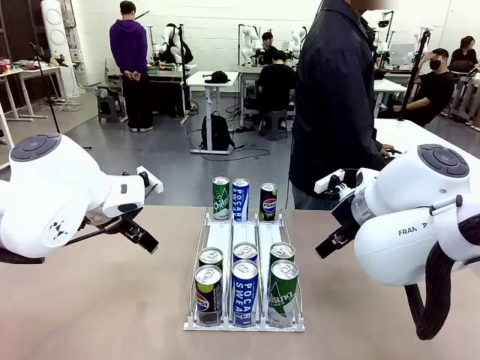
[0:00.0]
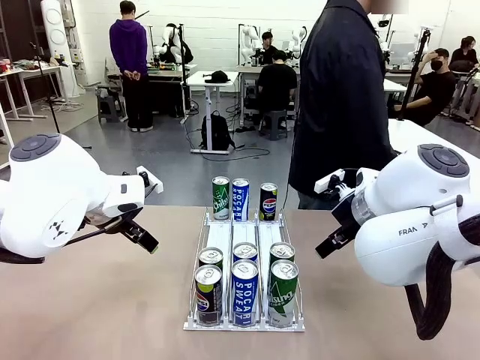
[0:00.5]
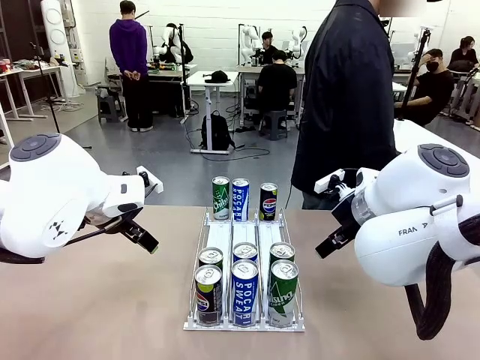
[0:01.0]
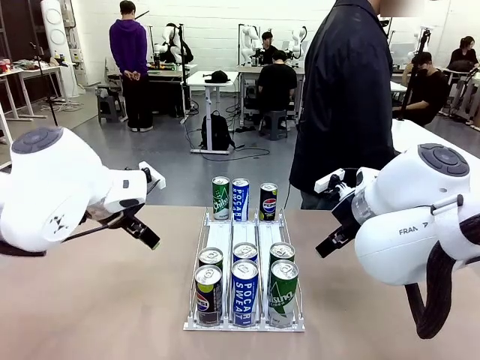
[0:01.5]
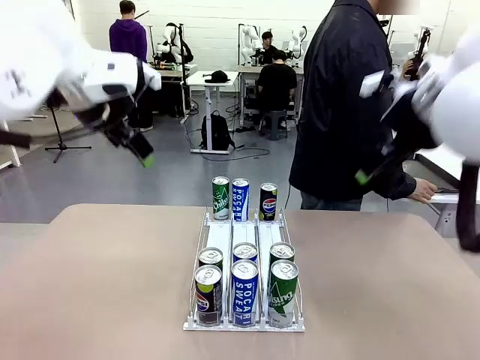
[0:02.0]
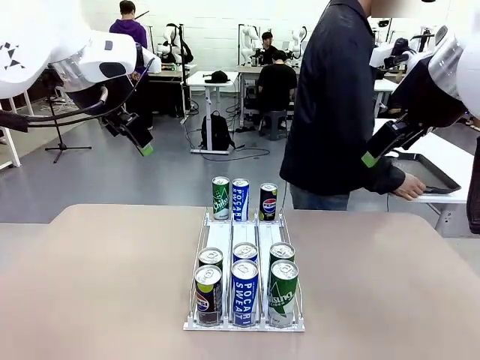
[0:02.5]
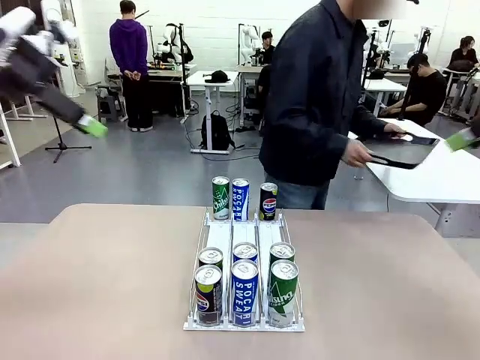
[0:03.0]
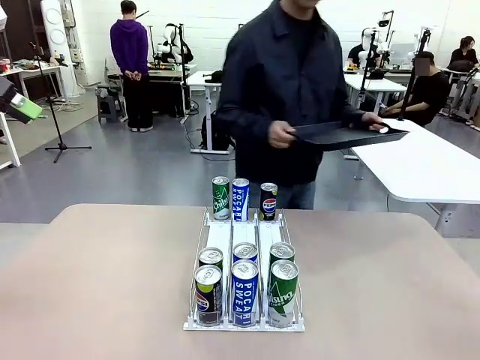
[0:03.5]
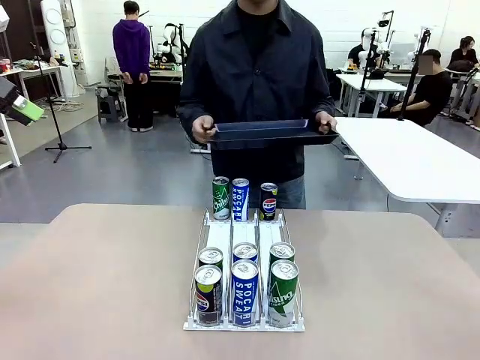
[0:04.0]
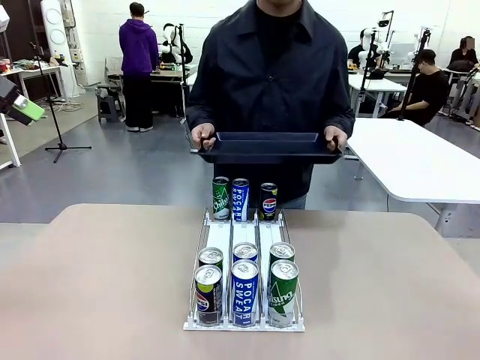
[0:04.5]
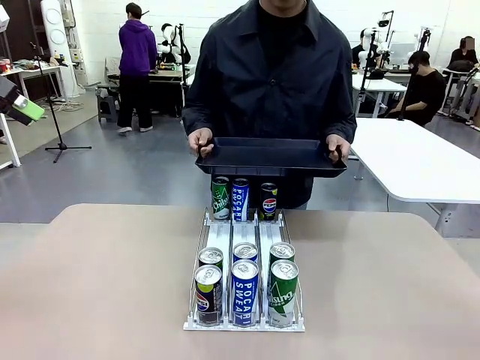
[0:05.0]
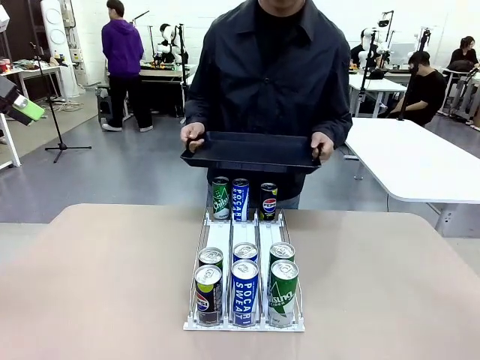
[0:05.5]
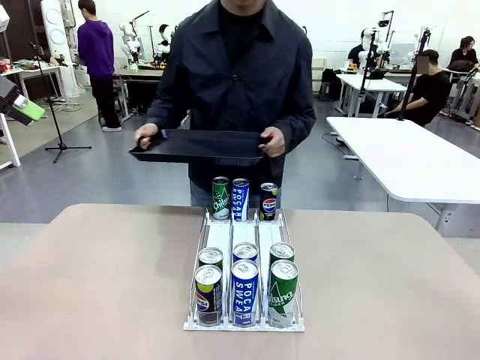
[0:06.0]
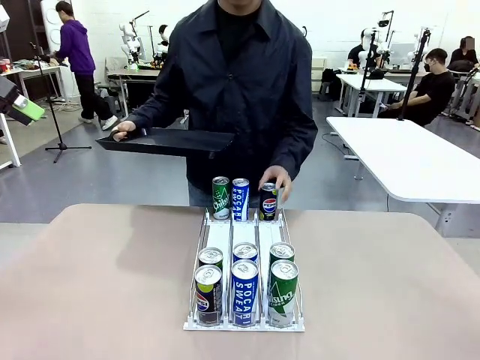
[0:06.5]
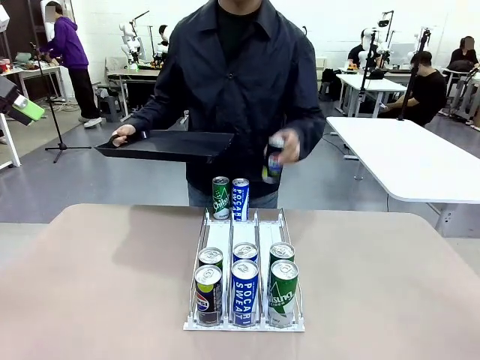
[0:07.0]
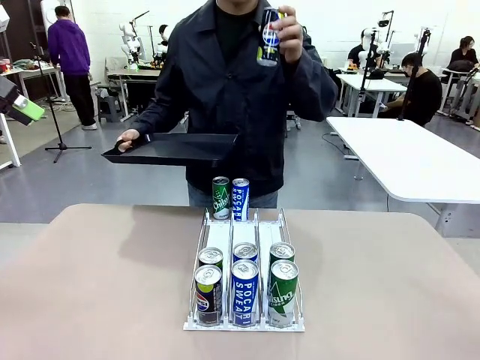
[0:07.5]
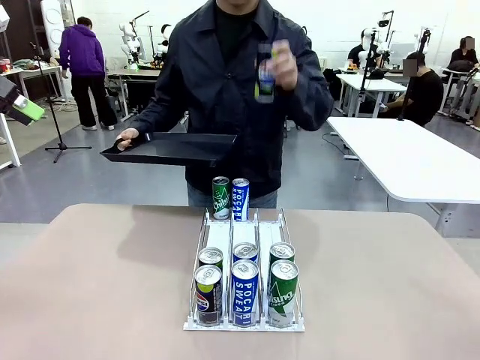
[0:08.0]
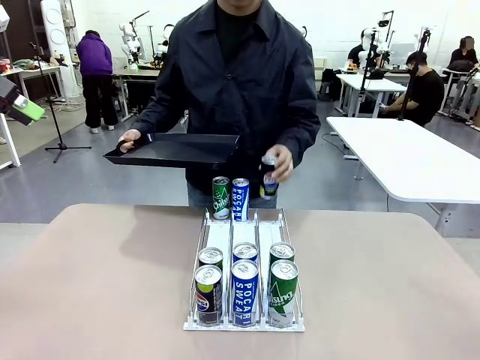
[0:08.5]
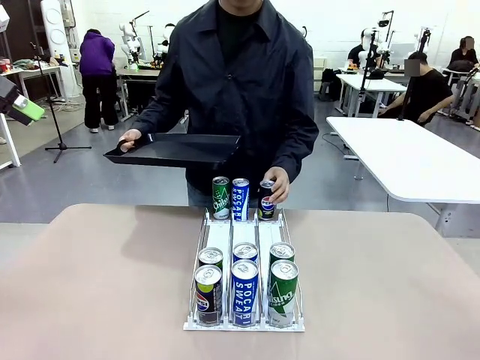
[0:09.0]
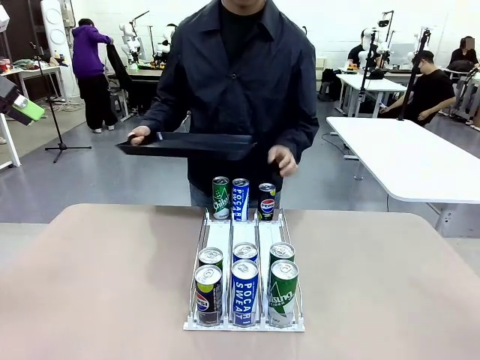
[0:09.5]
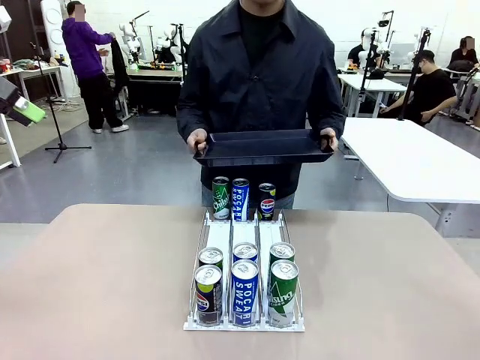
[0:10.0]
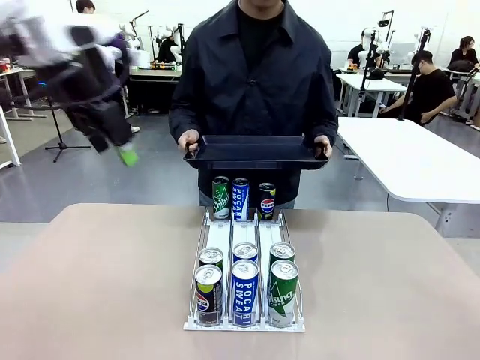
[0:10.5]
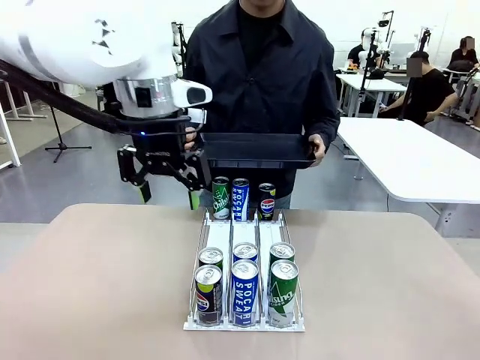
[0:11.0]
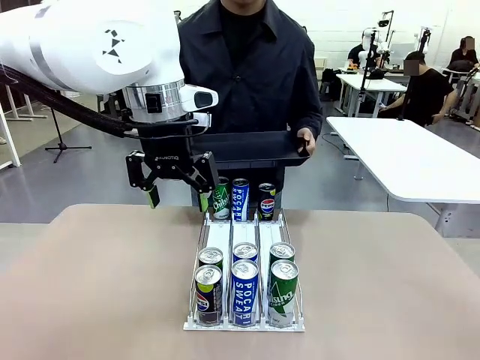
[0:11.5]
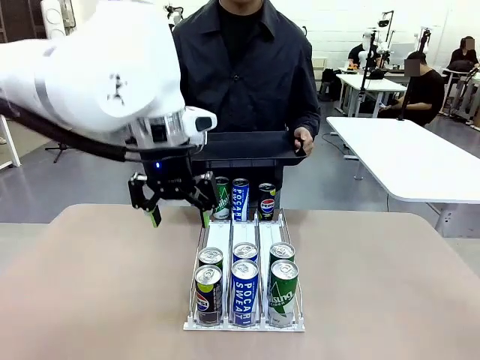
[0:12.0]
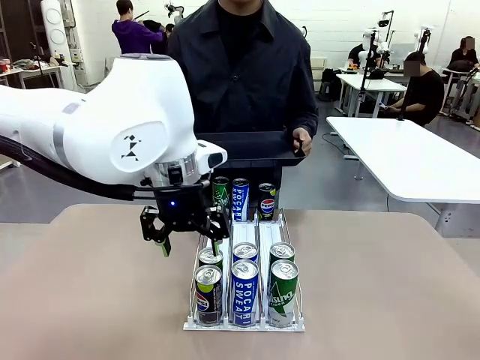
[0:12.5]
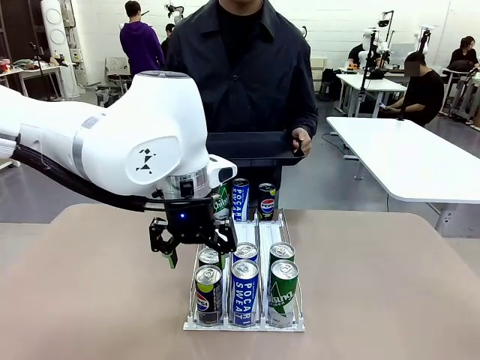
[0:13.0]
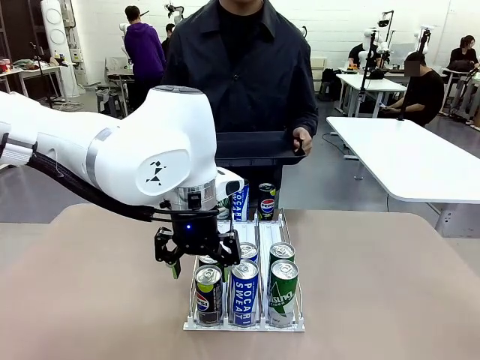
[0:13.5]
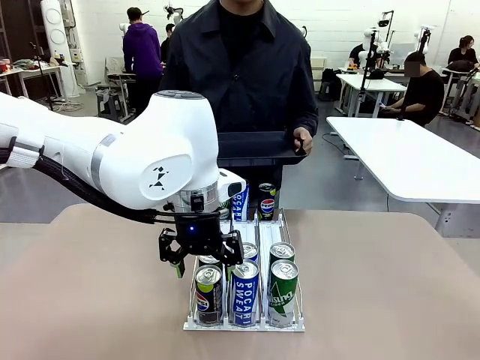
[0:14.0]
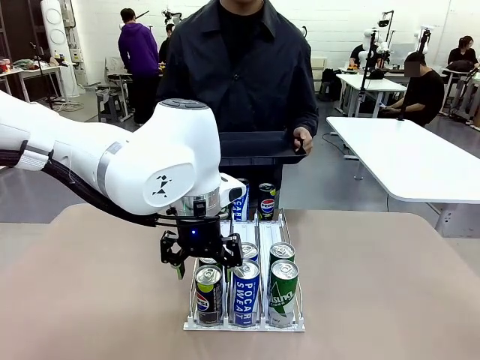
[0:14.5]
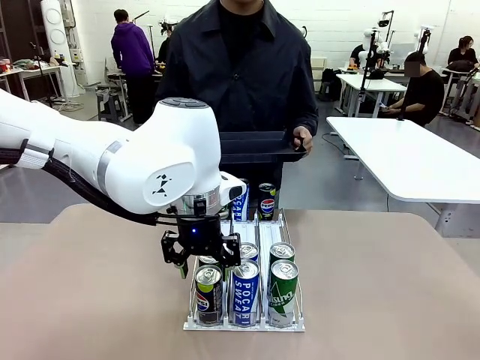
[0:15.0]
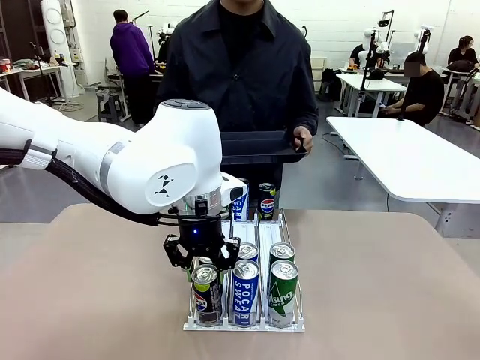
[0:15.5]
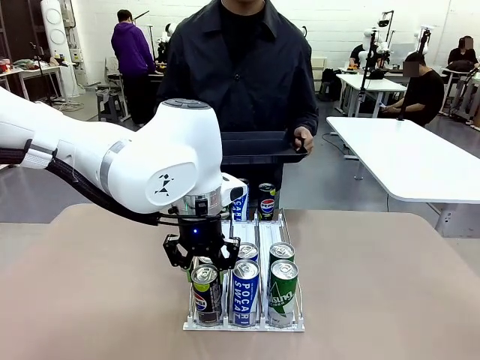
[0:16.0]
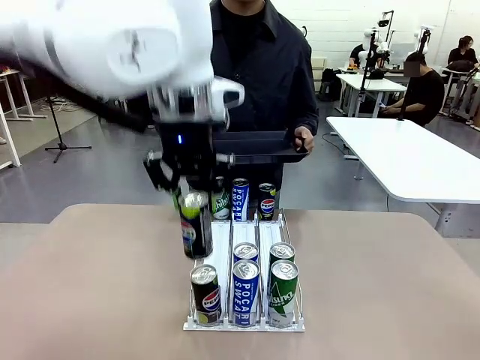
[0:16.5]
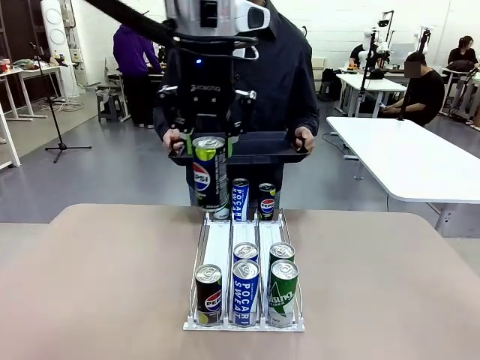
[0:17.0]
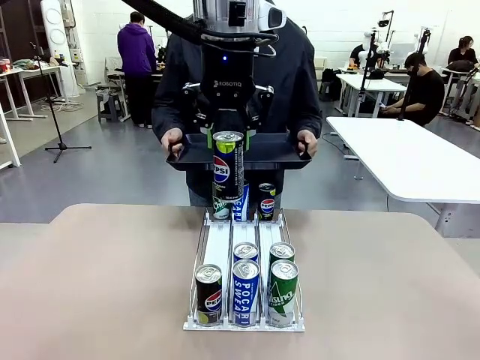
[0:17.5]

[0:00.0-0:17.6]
Task: Retrieve and hand over the desired beverage to the person.
Robot: Pick up a can of the same type that the person held from the Automatic Can Dispenser.
Person: Hold the tray and position yourself in front of the robot table. Pick up one can from the bottom area of the table and puts it back in its original place. Push the tray toward the robot.

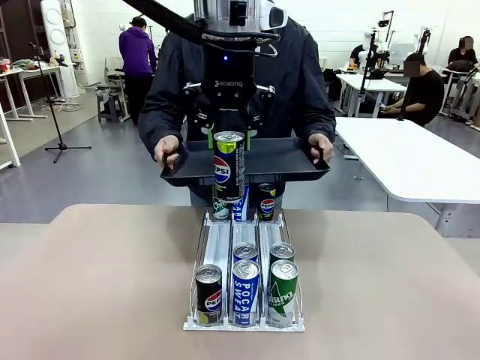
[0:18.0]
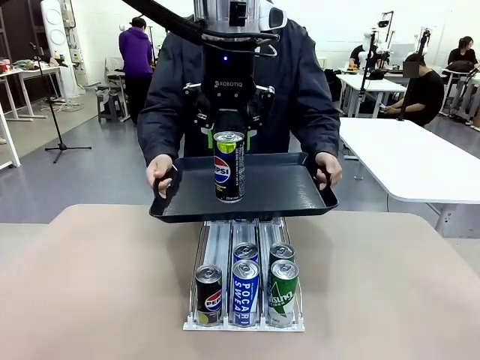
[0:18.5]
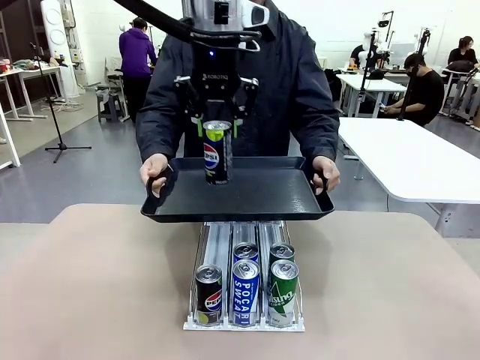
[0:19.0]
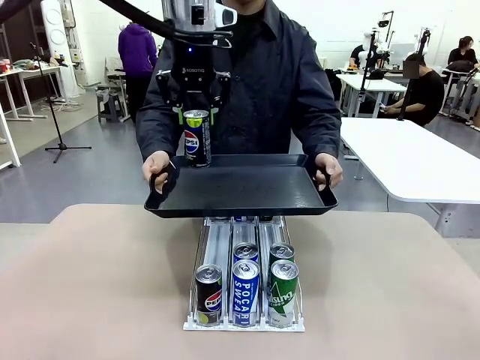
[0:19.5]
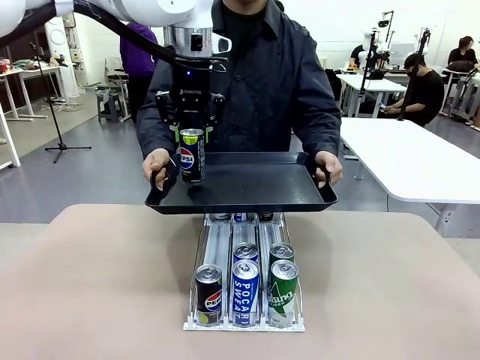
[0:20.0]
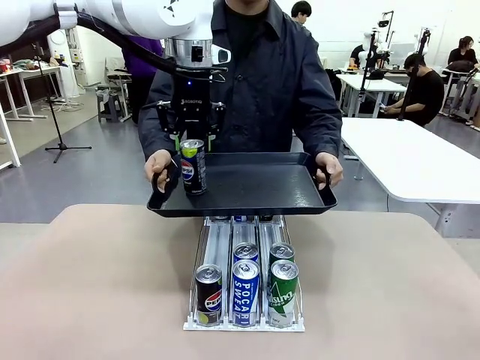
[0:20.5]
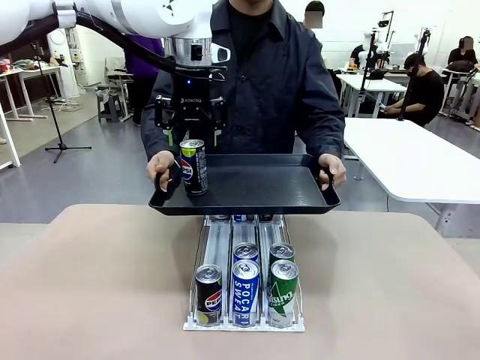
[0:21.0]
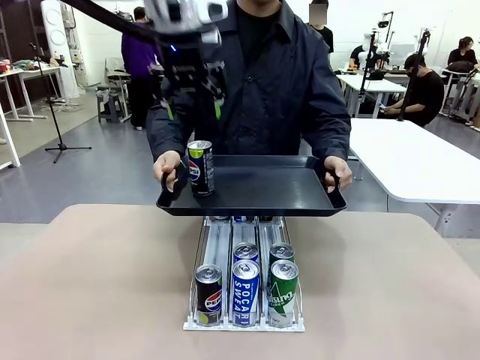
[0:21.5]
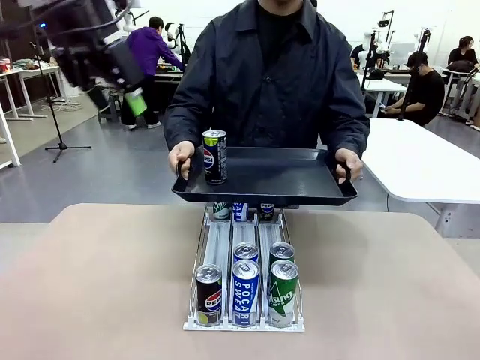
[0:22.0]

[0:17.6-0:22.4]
Robot: Place the picked can on the Handle tray extended by the person.

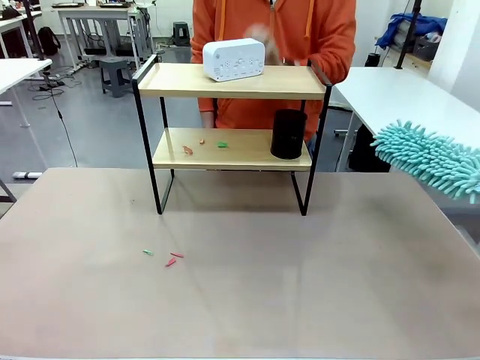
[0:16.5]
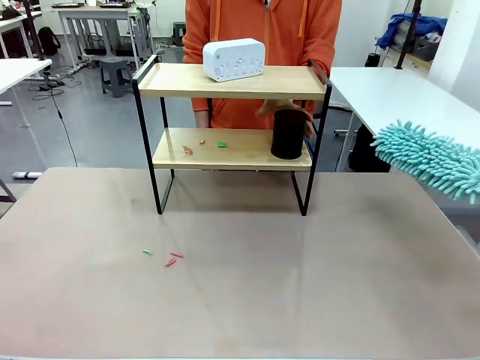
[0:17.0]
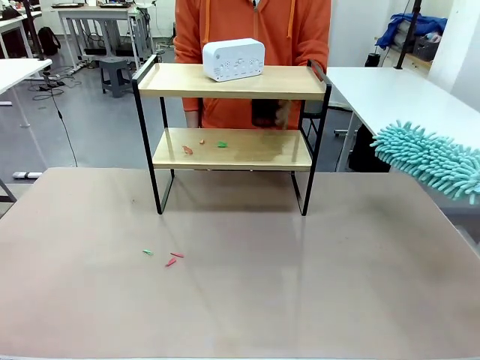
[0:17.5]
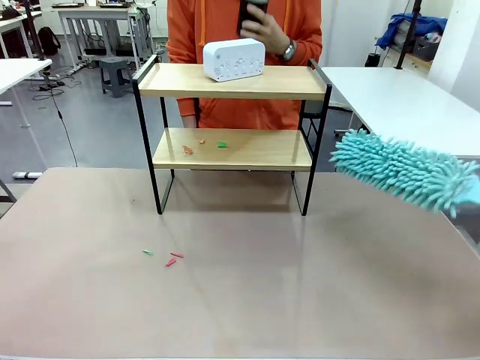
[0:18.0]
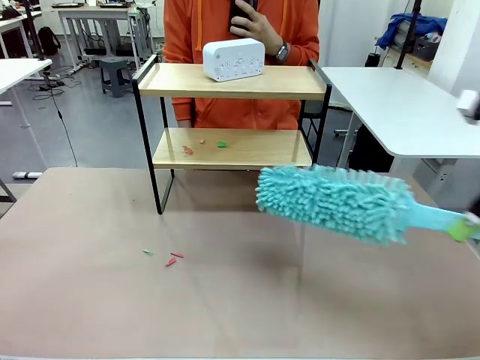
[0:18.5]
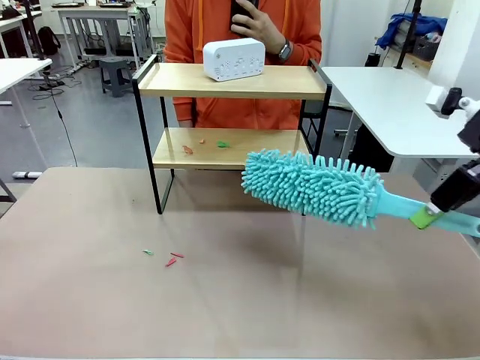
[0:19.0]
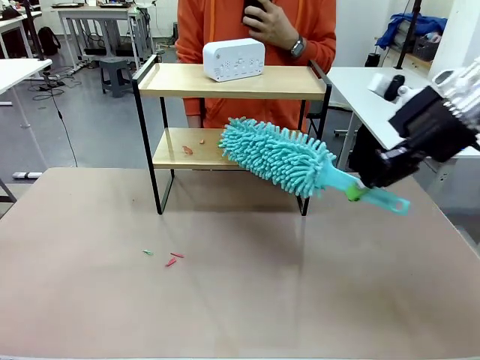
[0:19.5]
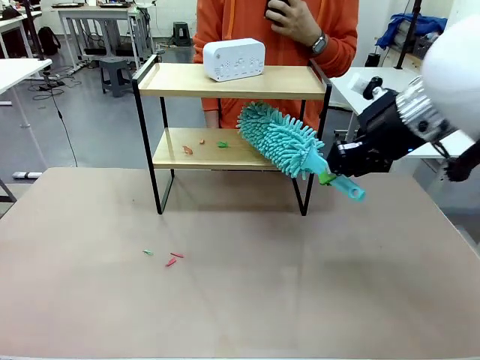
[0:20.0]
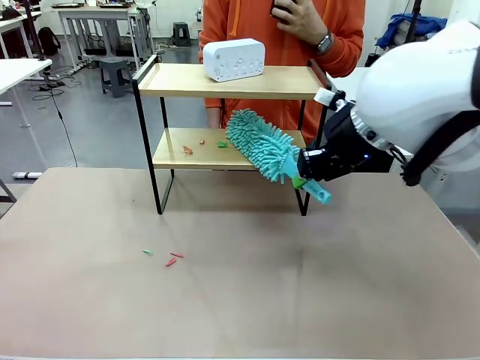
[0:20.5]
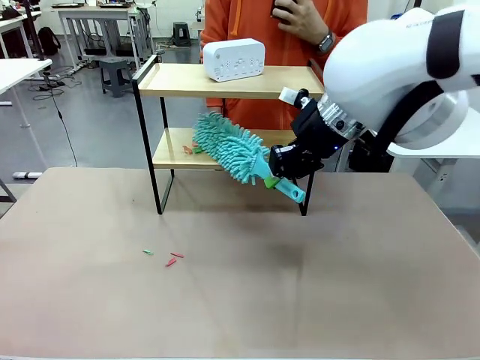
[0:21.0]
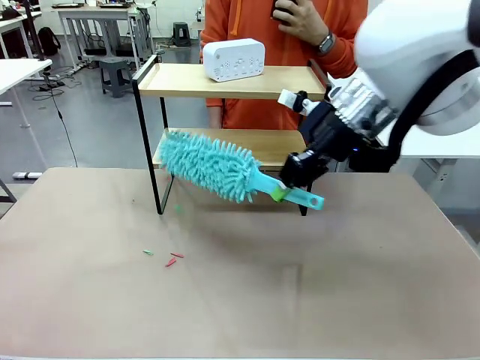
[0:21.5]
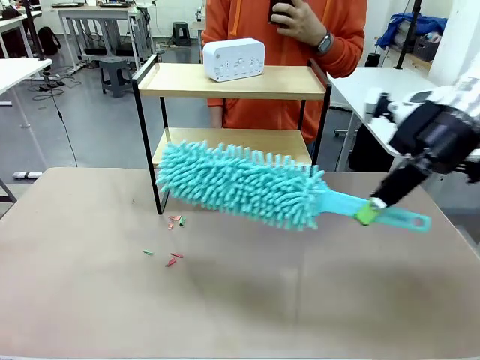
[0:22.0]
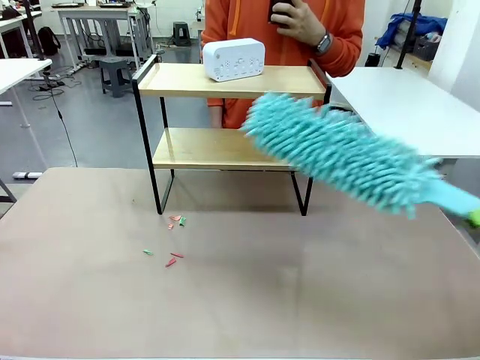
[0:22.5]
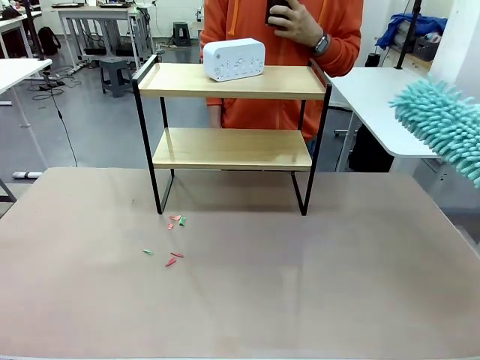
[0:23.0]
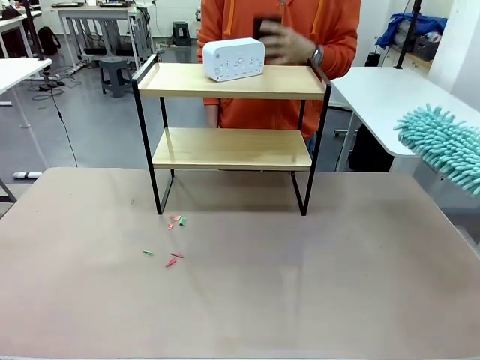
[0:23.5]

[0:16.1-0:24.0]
Task: Clean the shelf.
Robot: Clean the remaining tier of the Shelf with the Duster once objects are removed.
